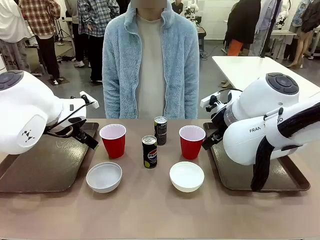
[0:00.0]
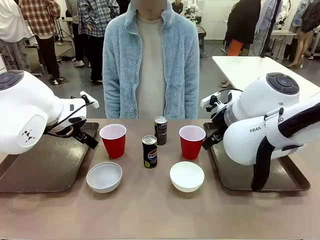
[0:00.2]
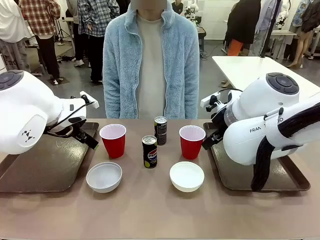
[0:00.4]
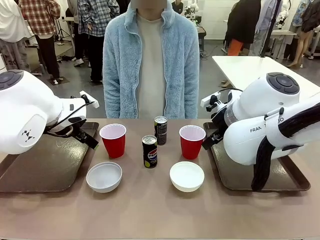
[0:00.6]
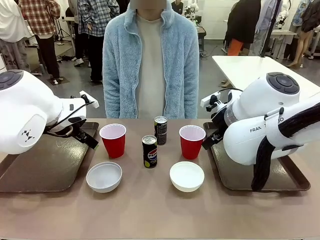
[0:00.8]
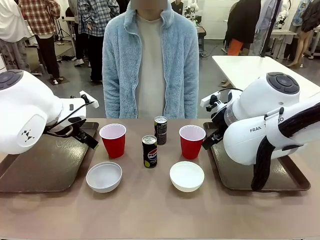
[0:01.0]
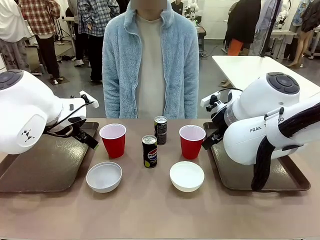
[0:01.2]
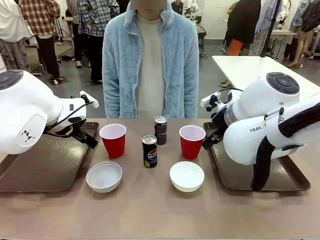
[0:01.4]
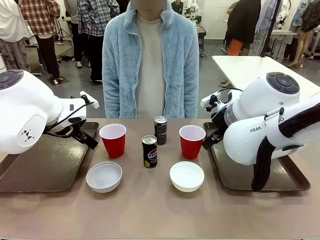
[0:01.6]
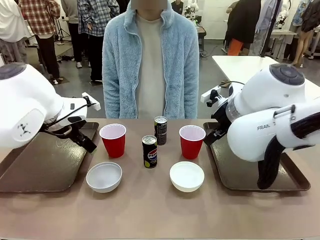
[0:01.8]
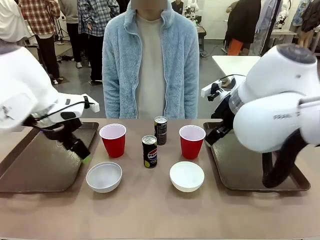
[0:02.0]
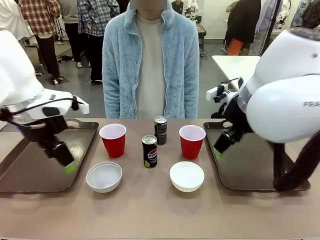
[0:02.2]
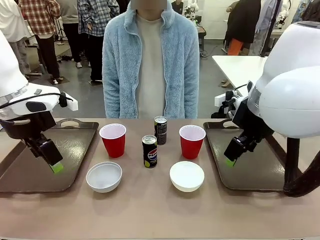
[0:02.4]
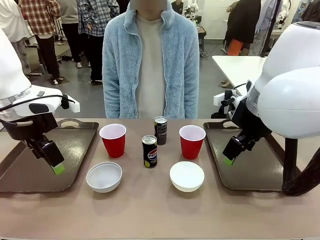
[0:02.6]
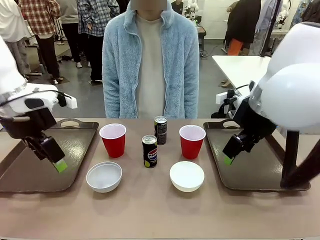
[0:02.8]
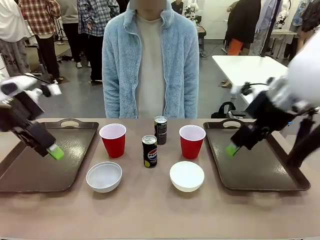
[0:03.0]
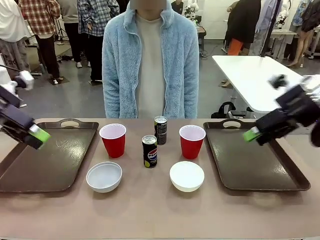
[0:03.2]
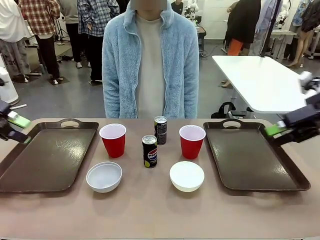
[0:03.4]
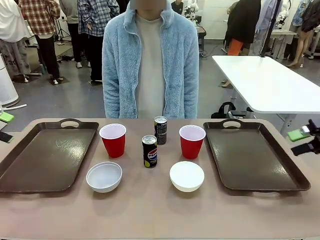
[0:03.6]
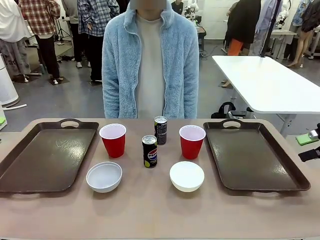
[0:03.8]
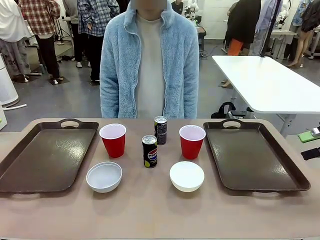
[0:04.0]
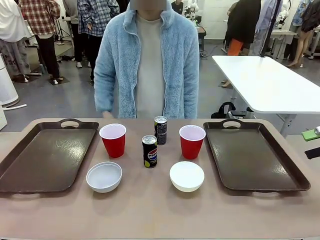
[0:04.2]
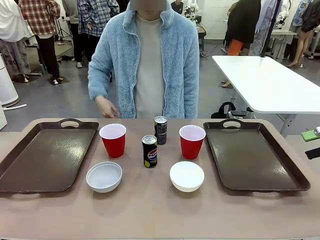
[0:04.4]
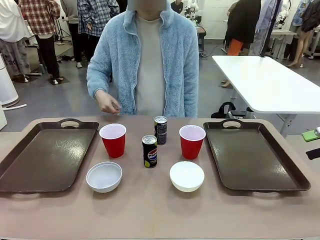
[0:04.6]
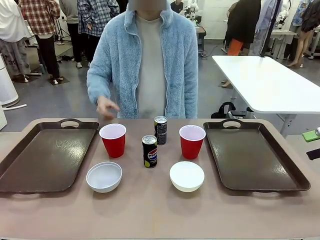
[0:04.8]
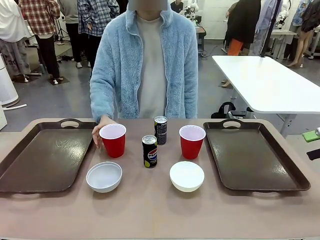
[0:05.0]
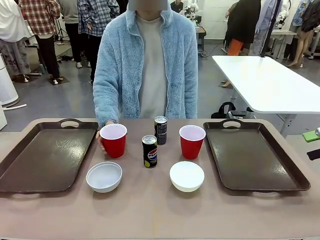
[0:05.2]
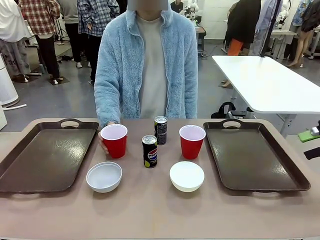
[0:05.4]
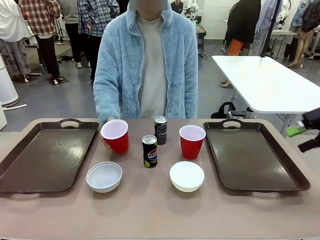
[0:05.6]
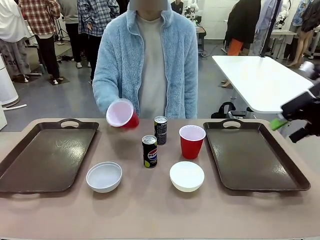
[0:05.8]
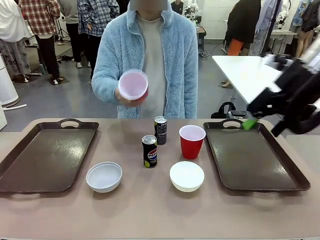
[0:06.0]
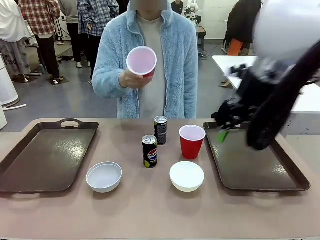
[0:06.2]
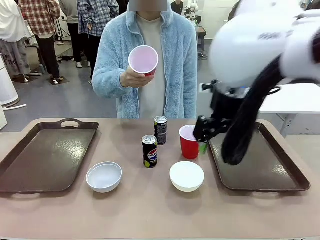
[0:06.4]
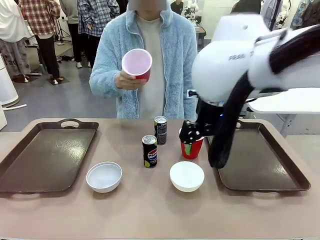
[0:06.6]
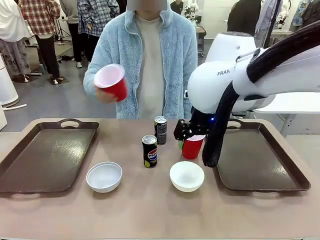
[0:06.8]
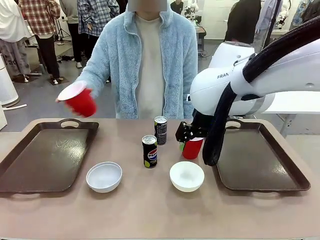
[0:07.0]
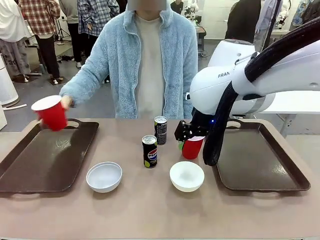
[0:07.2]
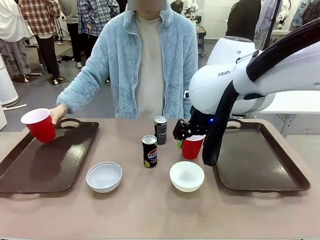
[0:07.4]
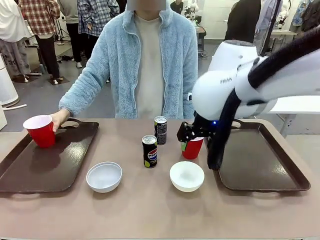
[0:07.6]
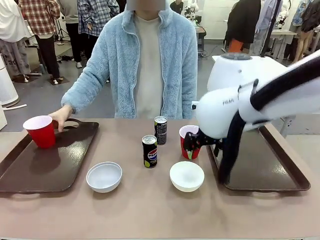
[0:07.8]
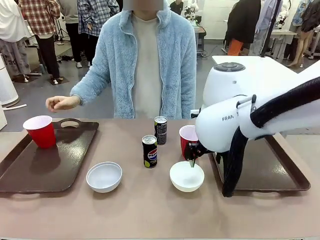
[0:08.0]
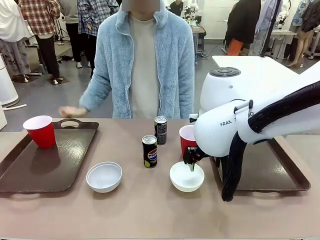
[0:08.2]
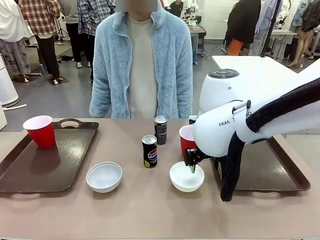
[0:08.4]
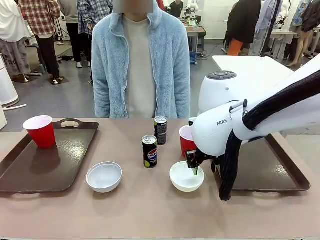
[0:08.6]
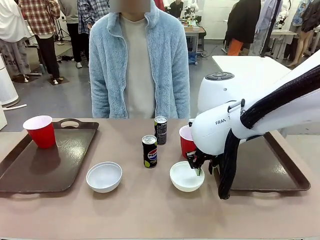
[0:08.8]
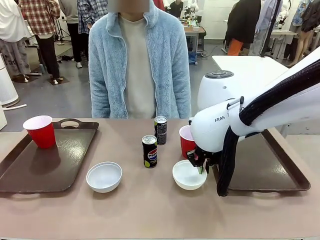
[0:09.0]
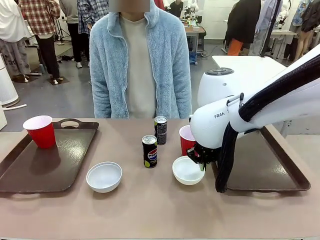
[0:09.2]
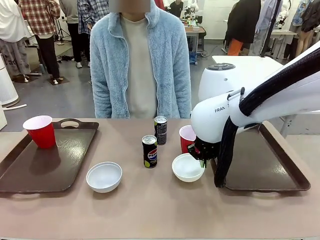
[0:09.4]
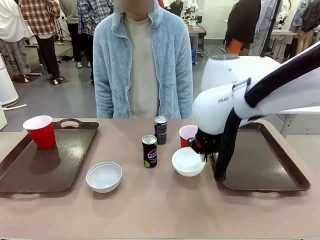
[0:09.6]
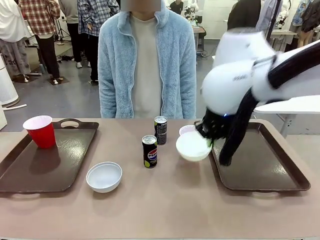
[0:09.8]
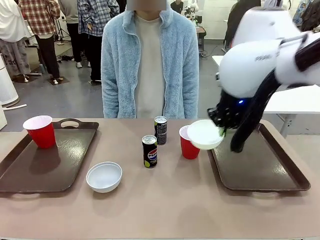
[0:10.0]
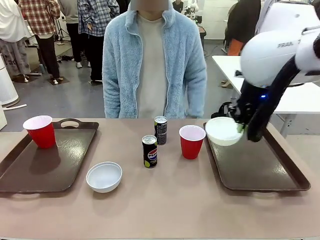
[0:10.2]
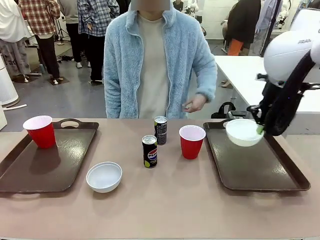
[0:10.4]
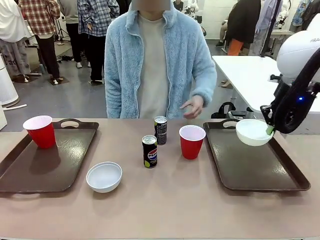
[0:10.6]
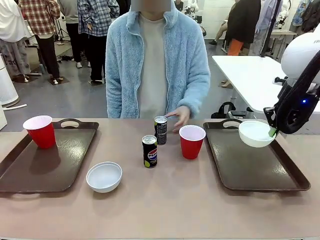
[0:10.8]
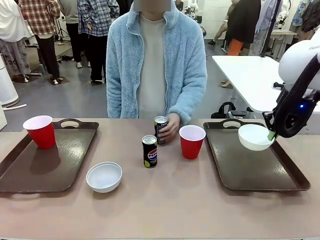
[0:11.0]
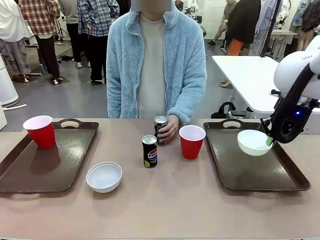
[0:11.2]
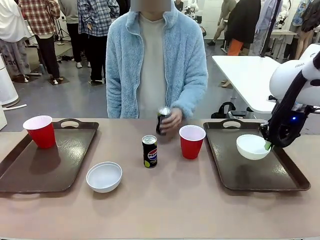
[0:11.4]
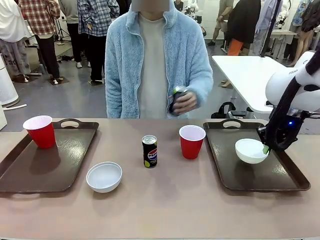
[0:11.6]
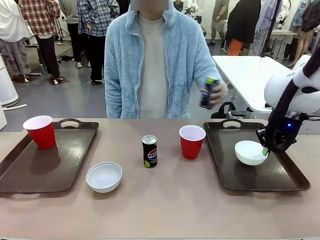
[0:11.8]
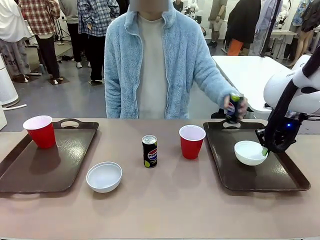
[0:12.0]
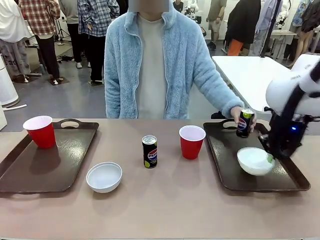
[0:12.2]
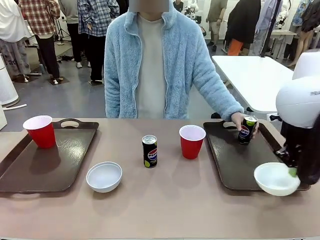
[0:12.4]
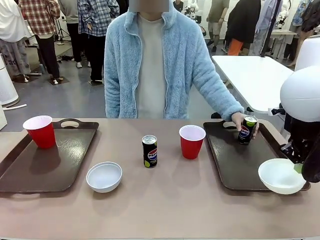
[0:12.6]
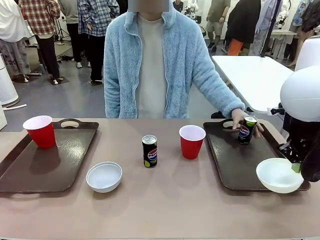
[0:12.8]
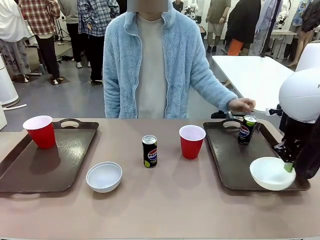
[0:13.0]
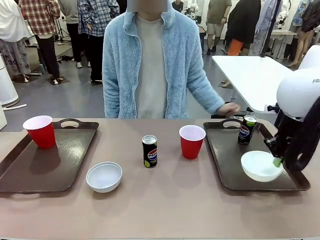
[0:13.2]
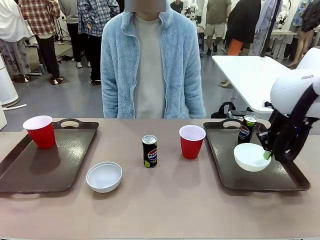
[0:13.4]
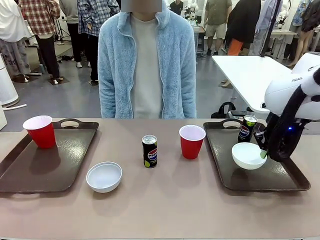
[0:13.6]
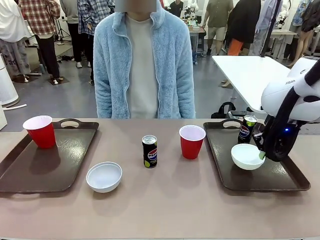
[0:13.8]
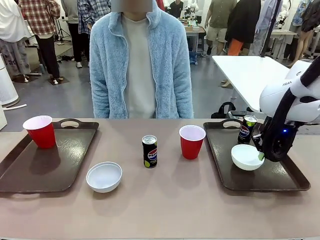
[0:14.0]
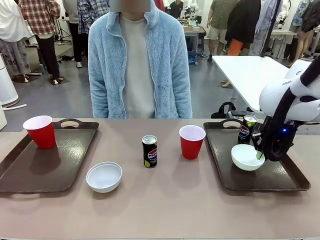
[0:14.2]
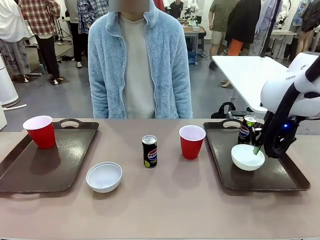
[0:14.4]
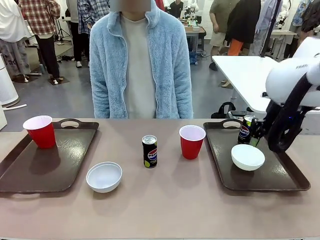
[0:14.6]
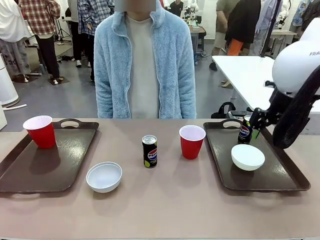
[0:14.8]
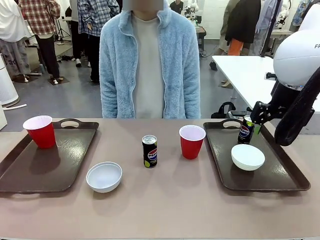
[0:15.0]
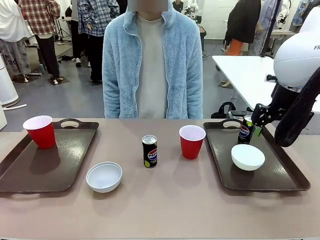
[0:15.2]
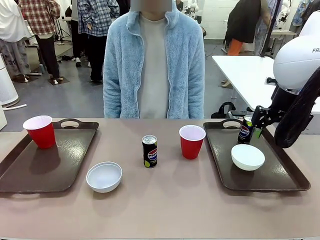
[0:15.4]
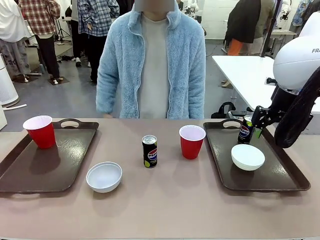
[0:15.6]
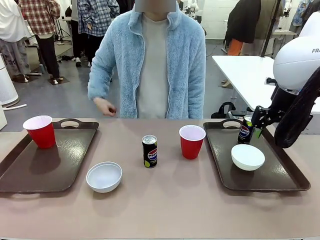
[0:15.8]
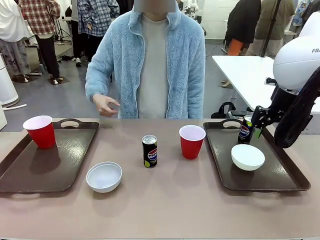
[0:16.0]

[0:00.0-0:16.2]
Task: Prepare tableware on both trays.
Robot: Pick up a Picnic Bowl from the table and place it on a Handle tray.
Person: Pick up a can or cup and place it on the tray.
